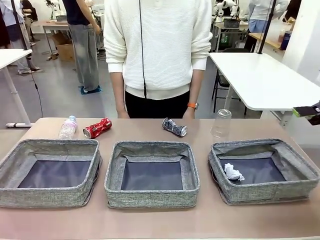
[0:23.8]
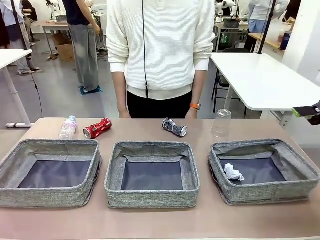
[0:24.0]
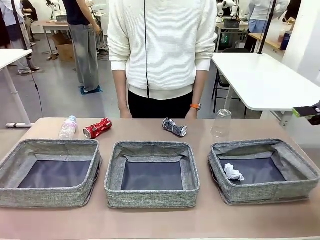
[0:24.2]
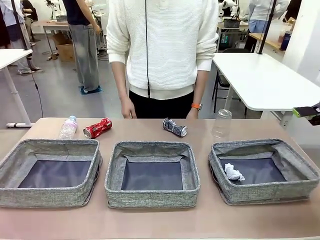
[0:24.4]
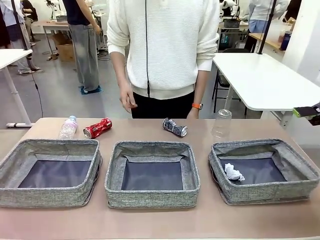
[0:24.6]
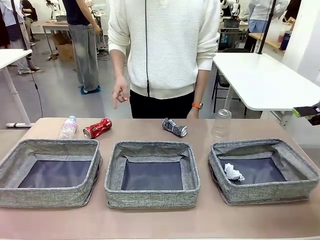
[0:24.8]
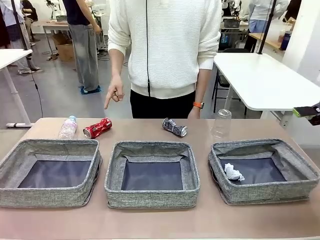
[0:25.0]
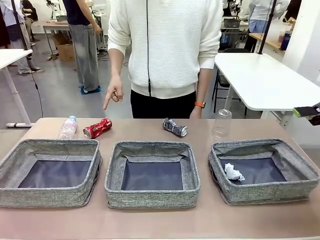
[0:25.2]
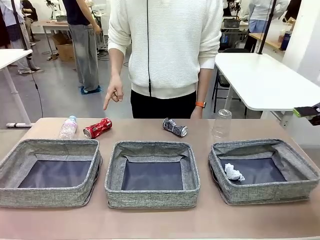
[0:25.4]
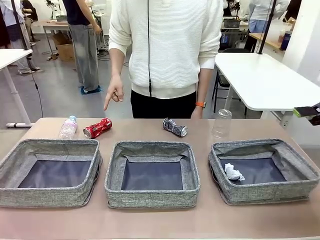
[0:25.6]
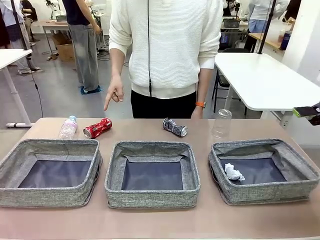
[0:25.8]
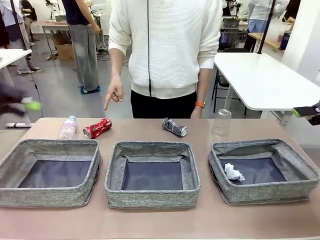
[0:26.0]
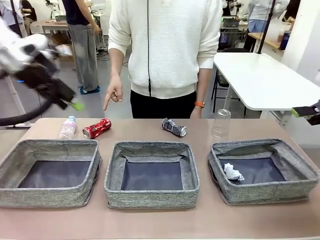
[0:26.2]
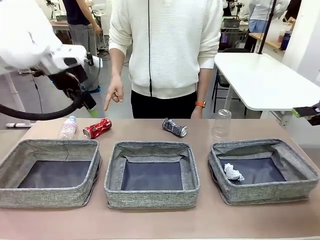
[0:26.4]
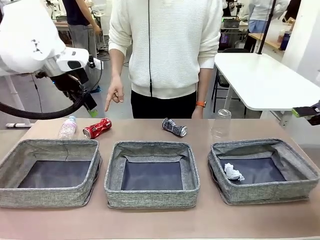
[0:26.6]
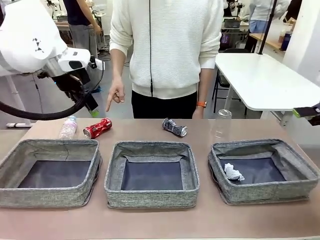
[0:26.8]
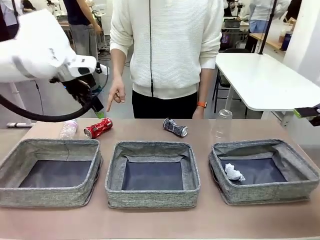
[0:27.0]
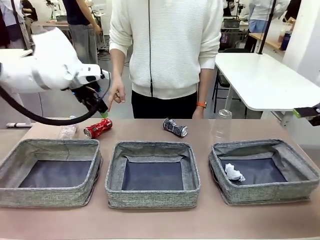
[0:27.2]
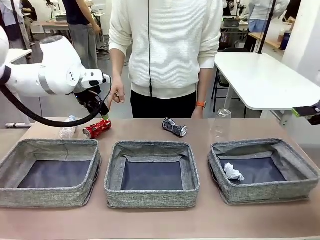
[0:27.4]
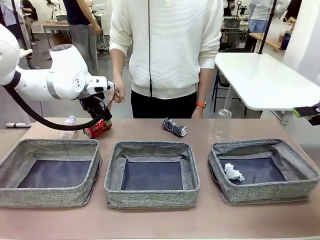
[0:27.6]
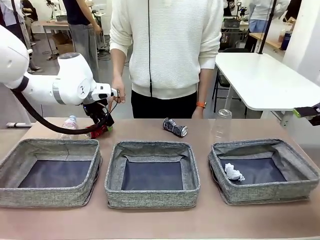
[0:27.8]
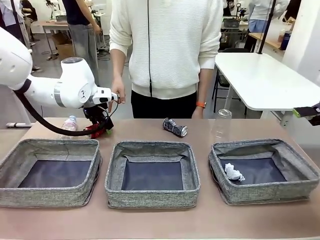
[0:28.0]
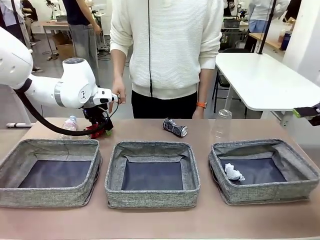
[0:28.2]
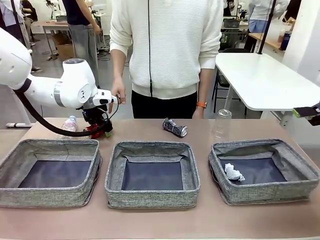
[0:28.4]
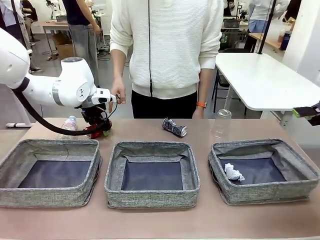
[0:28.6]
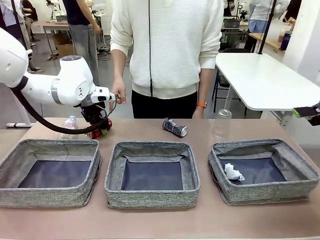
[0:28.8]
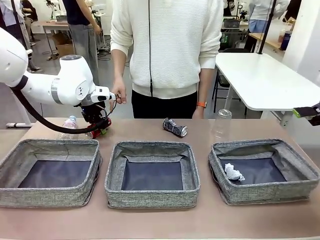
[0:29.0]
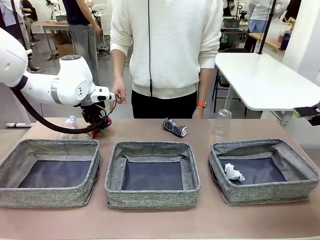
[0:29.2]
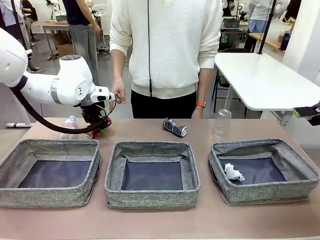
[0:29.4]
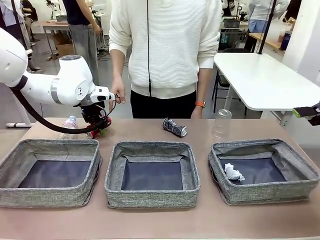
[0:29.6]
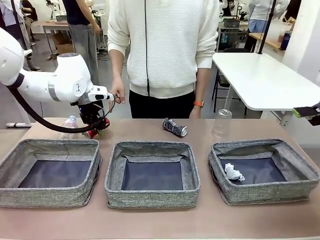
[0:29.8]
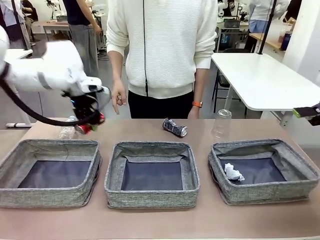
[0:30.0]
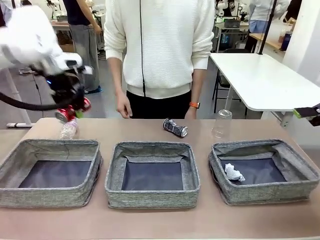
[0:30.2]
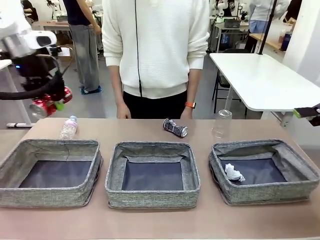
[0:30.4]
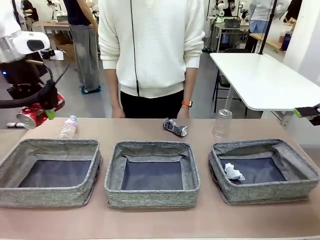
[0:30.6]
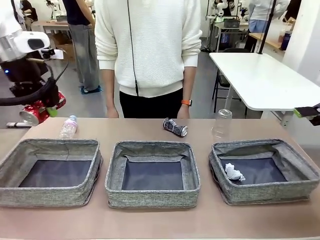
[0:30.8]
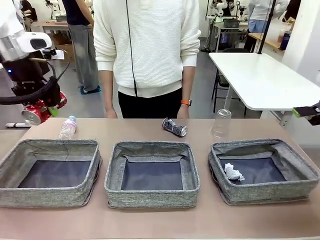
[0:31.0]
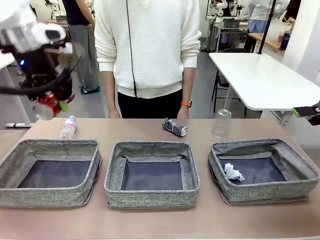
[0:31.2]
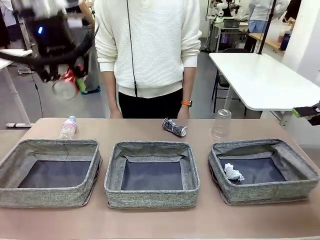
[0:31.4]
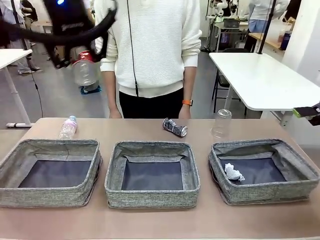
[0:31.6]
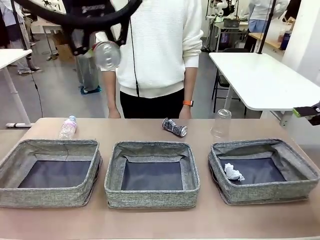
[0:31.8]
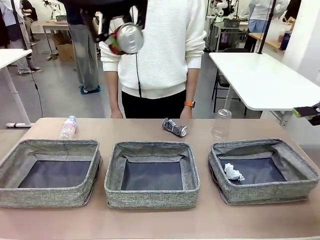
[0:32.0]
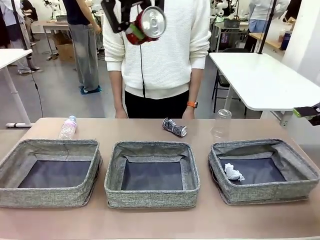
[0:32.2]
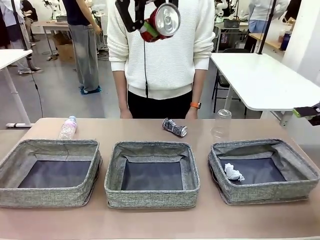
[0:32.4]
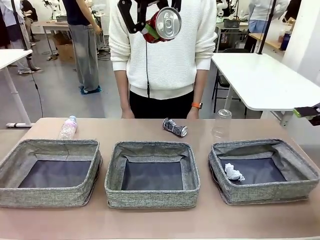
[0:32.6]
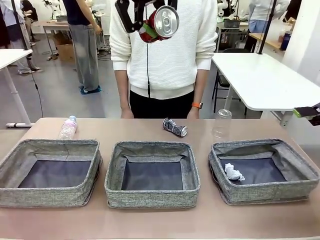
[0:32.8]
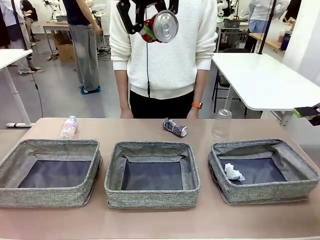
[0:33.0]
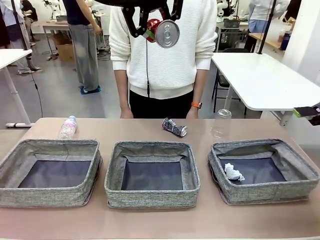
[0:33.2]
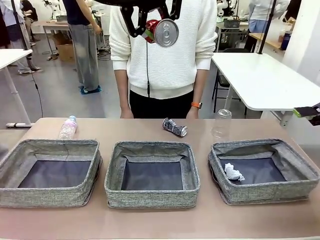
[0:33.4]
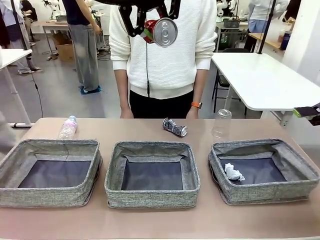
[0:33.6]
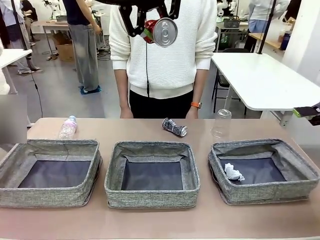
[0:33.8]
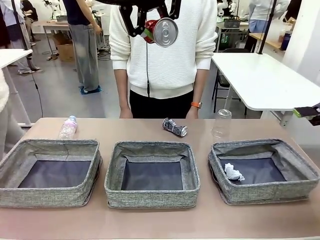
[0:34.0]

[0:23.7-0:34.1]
Task: Sort the waste into the appropriate baskets.
Robot: Pick up the waste item pointed out by the person.
Person: Points to one piece of trash on the table.

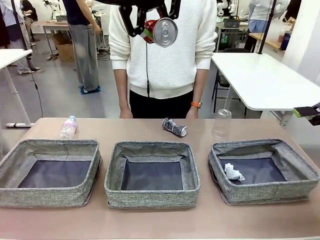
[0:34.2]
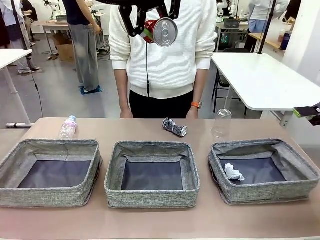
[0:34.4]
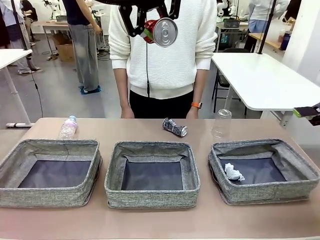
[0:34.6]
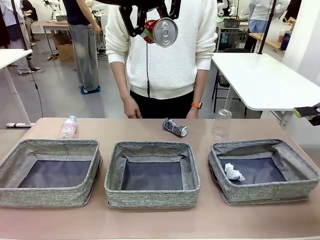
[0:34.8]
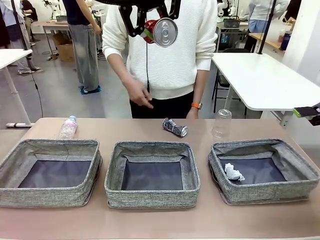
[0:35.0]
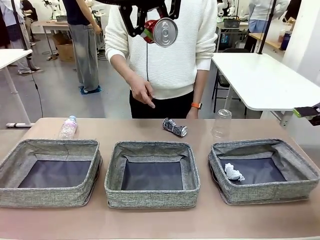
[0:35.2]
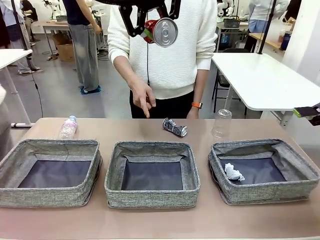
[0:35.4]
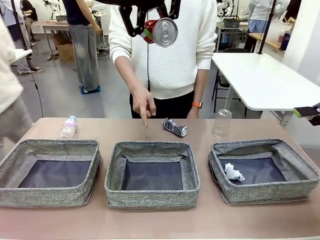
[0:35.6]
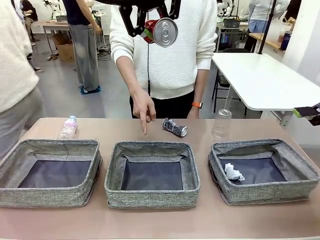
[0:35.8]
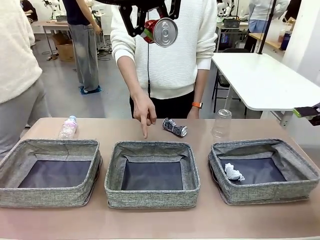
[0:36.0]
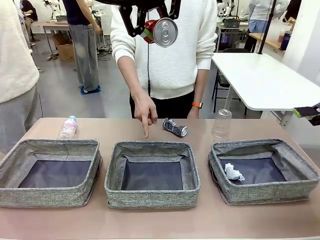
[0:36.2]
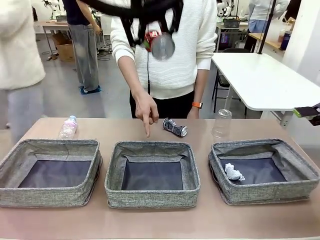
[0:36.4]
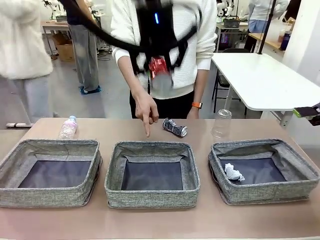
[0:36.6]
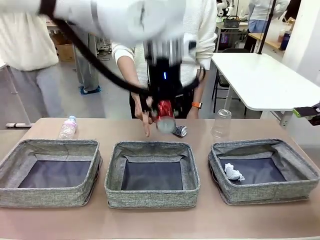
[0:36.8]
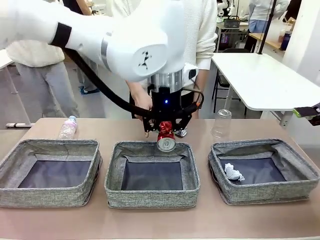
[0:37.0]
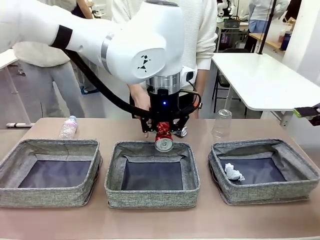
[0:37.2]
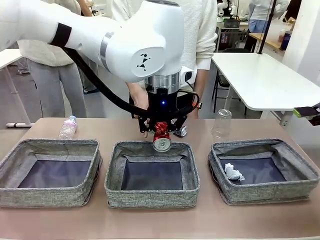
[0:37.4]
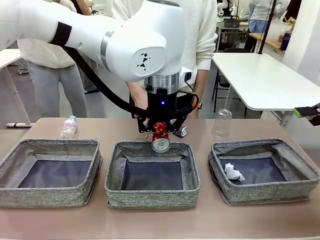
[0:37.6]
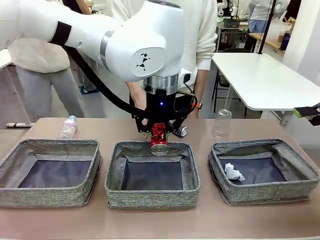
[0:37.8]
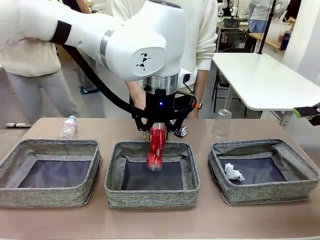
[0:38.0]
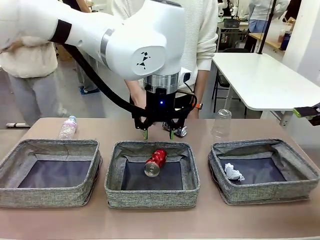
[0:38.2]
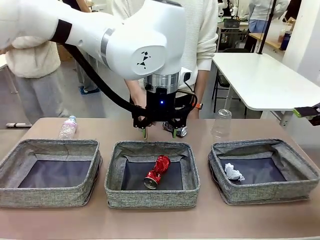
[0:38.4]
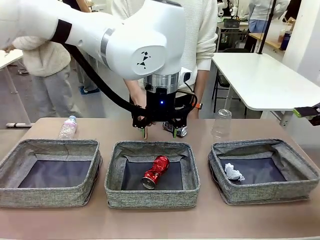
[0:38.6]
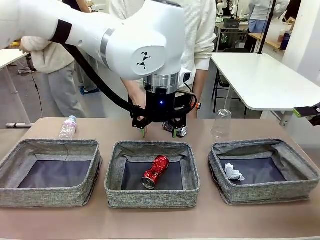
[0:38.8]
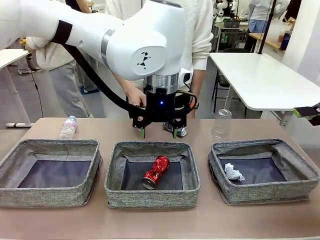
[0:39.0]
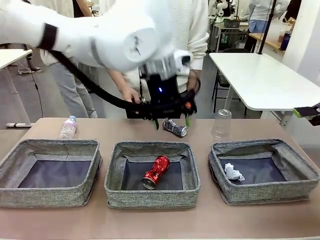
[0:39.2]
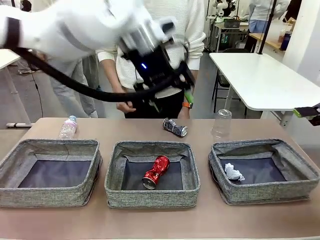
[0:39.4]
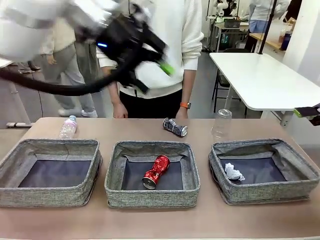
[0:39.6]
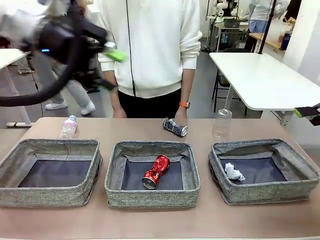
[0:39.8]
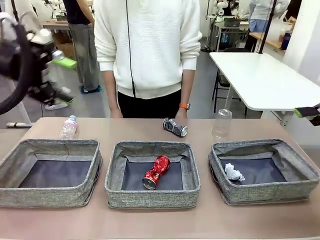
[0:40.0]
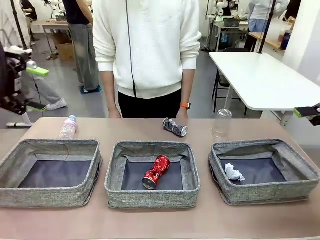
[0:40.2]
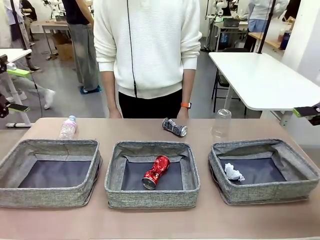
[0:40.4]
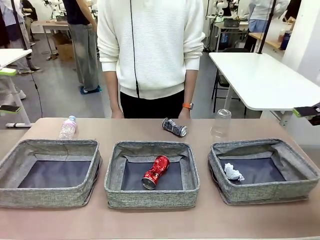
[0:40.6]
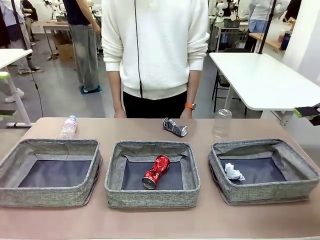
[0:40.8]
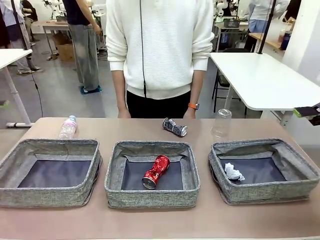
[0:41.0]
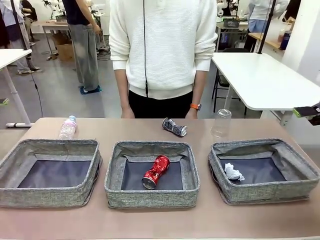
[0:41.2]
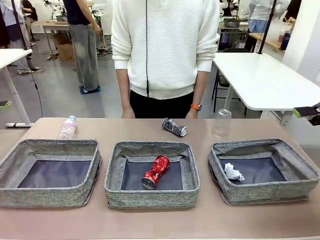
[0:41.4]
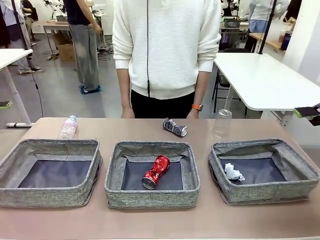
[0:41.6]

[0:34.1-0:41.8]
Robot: Place the picked waste into the Fabric basket indicated by the person.
Person: Instructs the robot to place the picked-up trash into the appropriate organizing basket.
